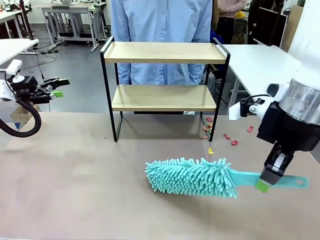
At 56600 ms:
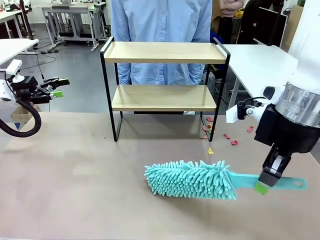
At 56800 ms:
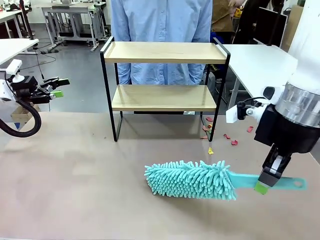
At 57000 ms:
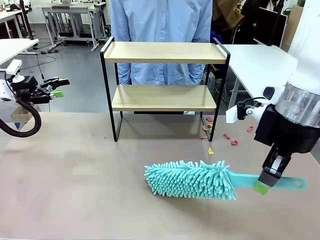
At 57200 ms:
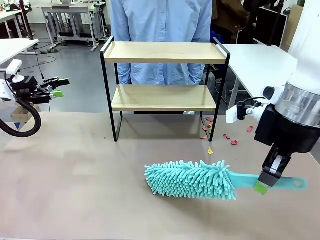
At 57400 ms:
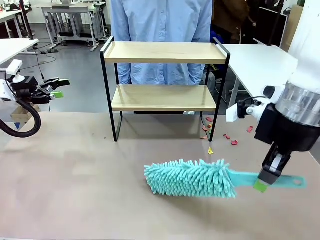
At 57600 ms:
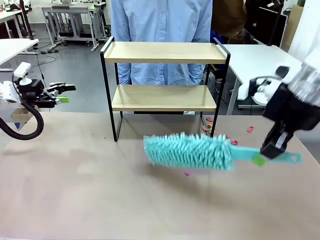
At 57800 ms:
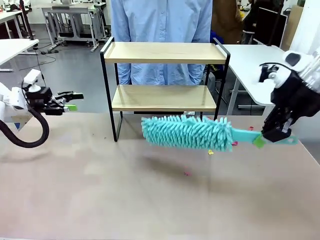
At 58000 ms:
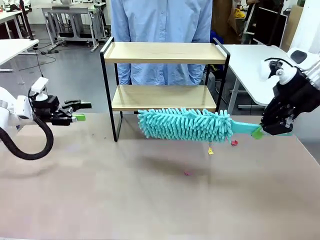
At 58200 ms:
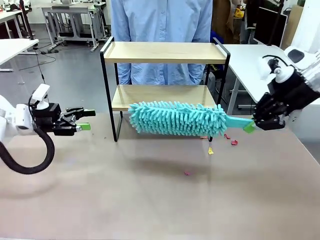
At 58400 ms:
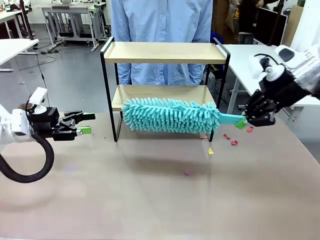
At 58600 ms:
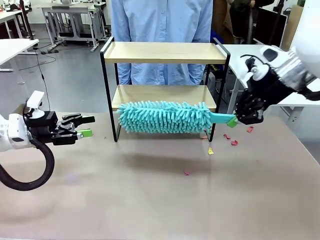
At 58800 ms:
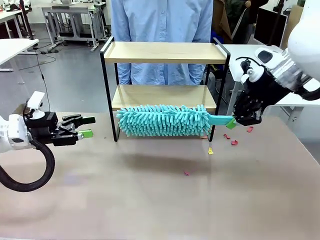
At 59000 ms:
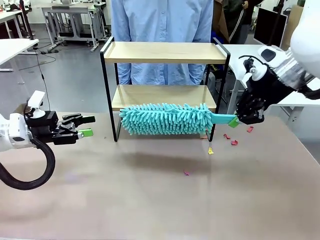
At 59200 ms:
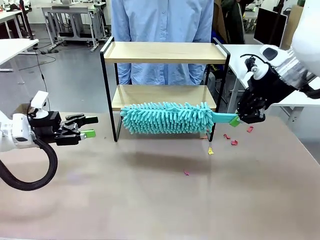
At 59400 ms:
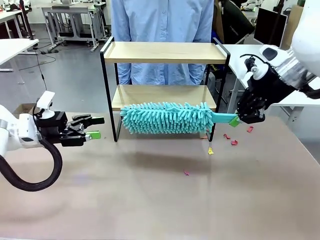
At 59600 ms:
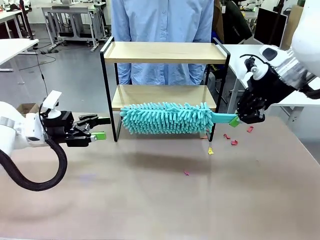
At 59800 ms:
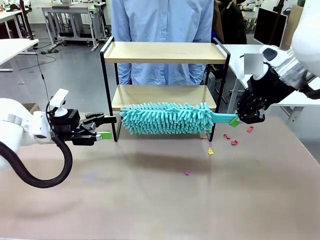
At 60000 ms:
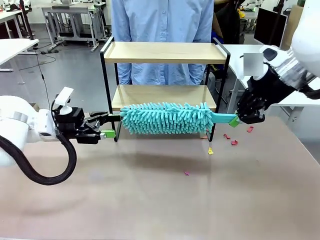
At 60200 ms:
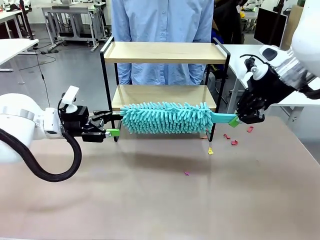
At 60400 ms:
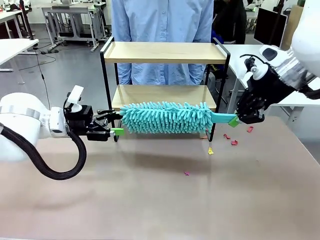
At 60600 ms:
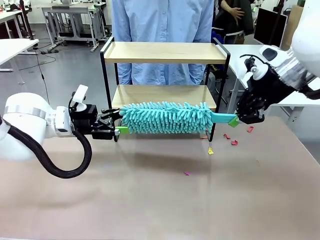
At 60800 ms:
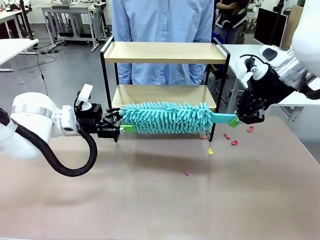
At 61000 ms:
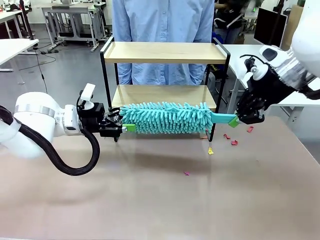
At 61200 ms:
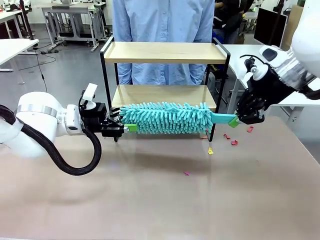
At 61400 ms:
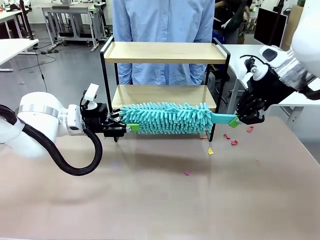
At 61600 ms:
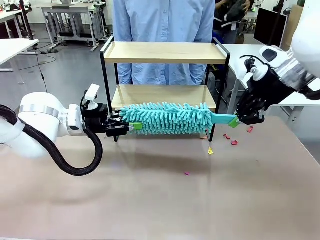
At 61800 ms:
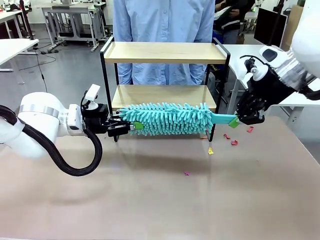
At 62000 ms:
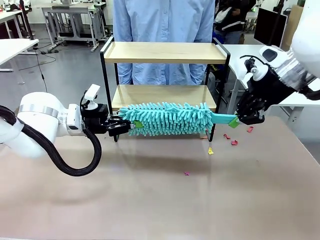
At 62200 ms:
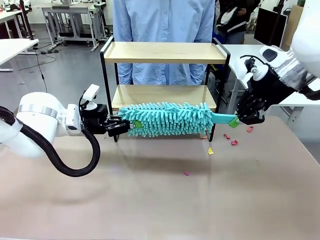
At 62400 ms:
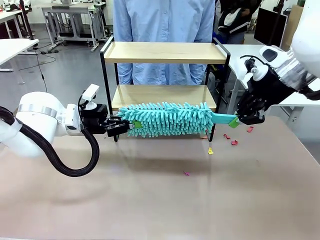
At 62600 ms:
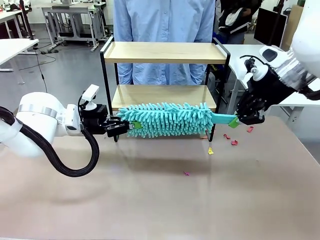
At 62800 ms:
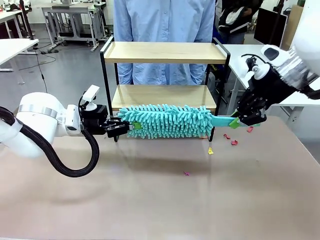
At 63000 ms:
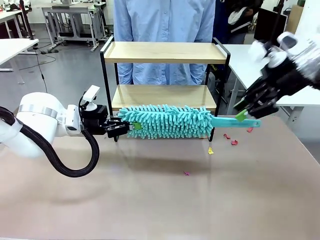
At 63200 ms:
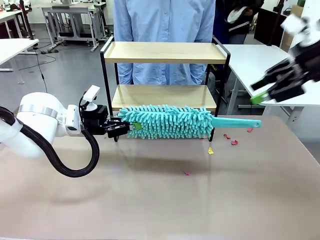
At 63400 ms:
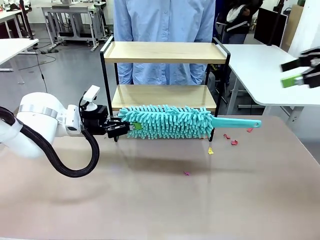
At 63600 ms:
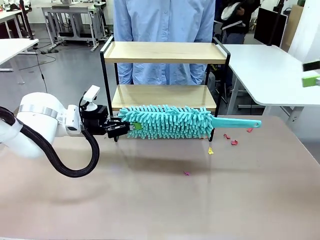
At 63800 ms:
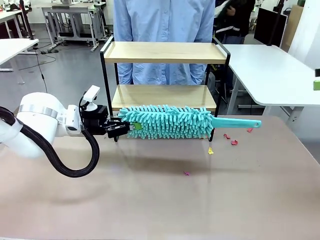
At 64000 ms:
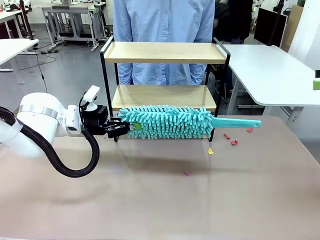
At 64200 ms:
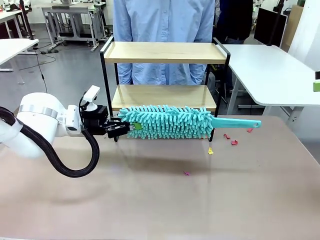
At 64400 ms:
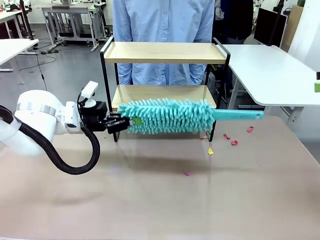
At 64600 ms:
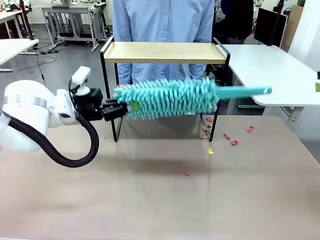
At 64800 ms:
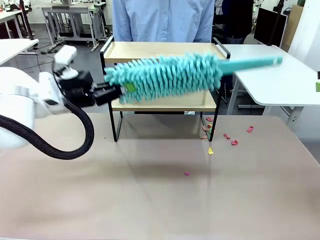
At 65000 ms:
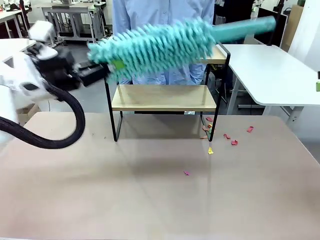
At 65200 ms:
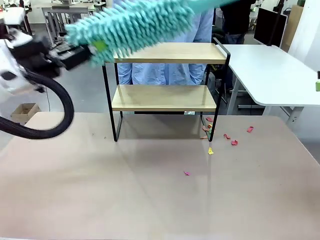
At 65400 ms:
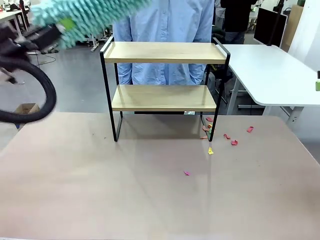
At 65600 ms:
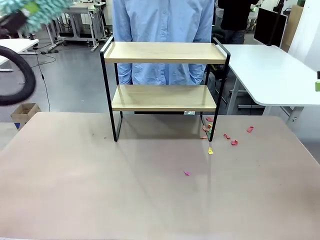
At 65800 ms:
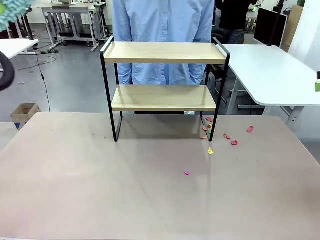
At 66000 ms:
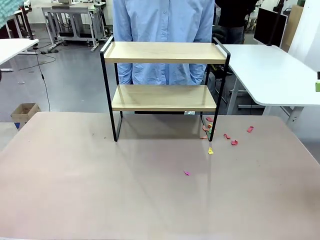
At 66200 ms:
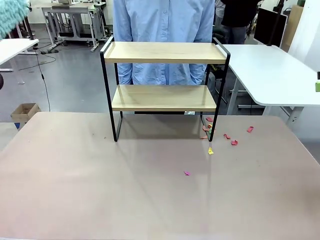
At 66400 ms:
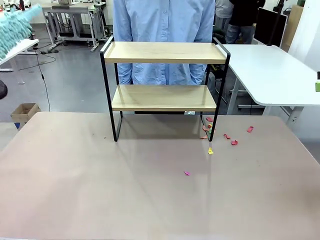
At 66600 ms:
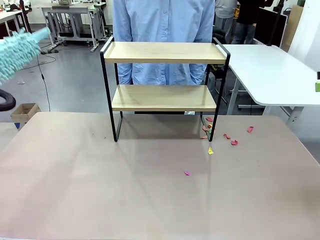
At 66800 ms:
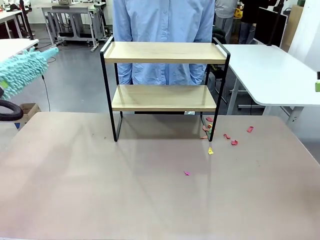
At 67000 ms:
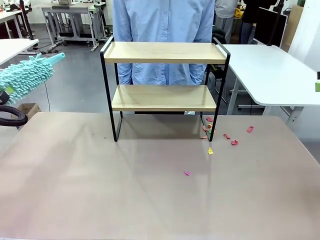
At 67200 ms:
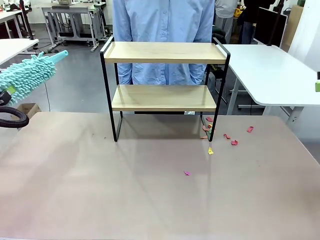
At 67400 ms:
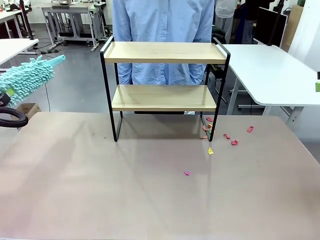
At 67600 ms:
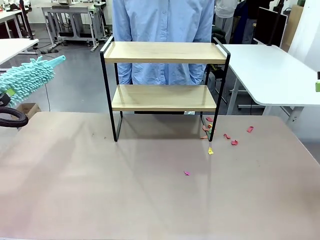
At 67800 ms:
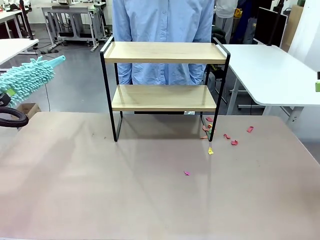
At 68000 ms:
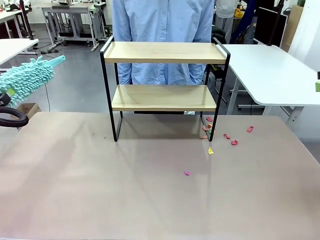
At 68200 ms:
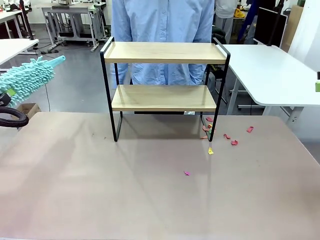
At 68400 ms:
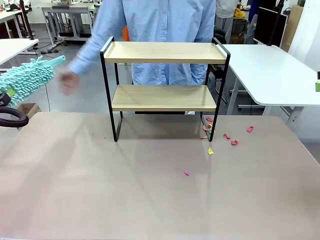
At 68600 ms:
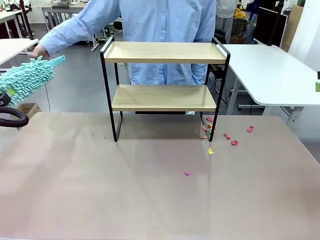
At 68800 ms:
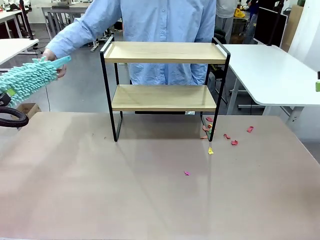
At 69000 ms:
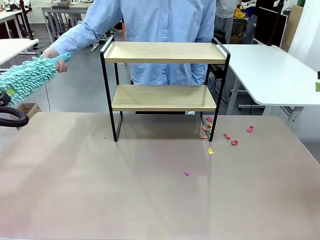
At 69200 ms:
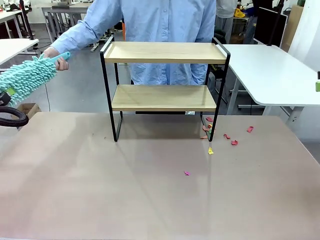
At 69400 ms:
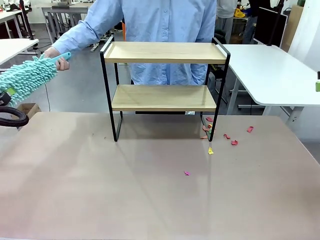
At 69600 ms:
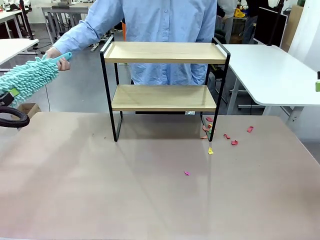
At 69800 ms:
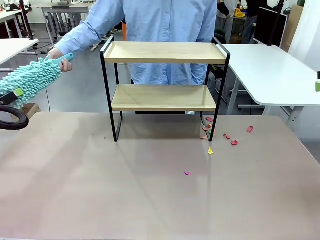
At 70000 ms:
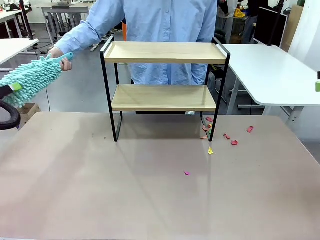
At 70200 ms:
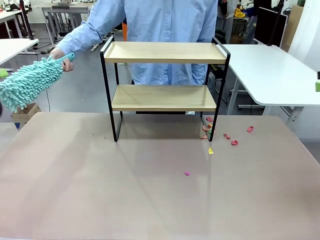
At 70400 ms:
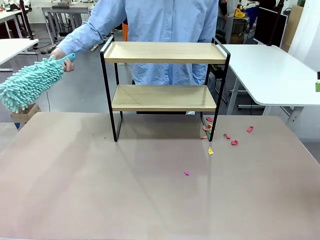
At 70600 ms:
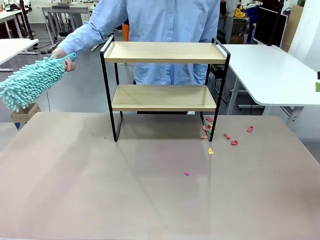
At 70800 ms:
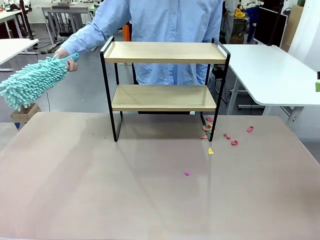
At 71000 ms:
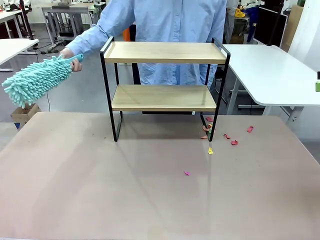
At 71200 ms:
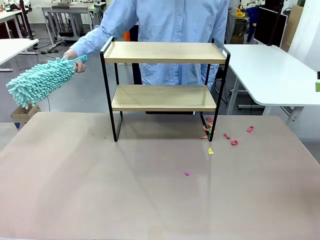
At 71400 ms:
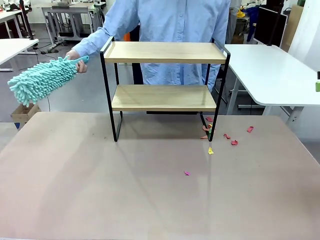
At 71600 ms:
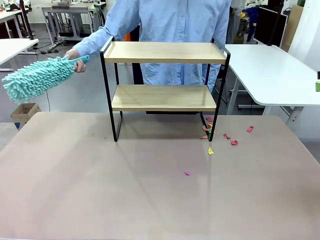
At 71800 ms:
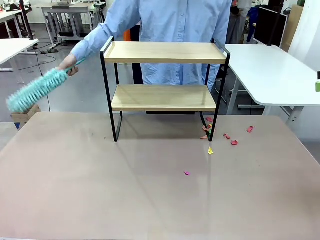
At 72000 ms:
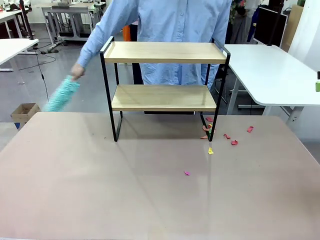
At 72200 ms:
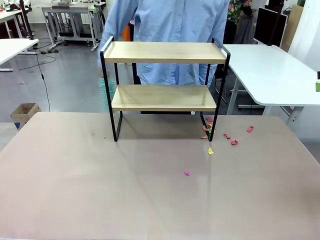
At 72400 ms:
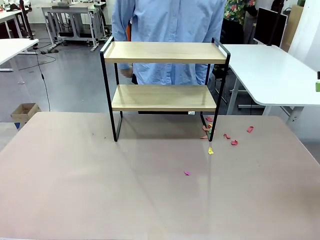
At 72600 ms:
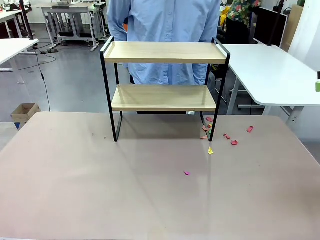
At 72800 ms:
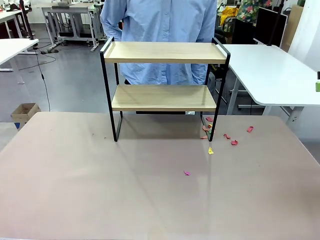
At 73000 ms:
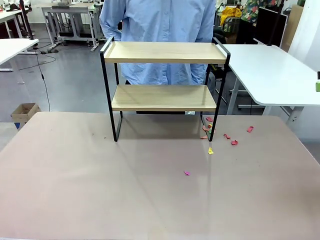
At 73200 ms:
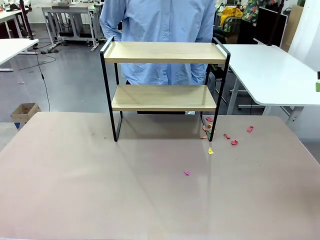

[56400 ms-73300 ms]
Task: Clean the shelf.
Robot: Hand the Duster back to the human.
Person: Receive the Duster from the robot.
